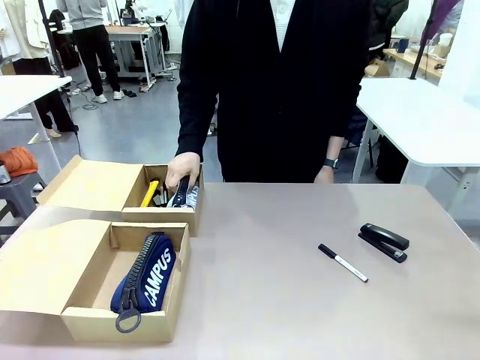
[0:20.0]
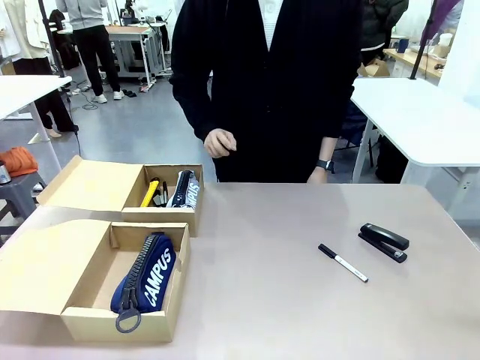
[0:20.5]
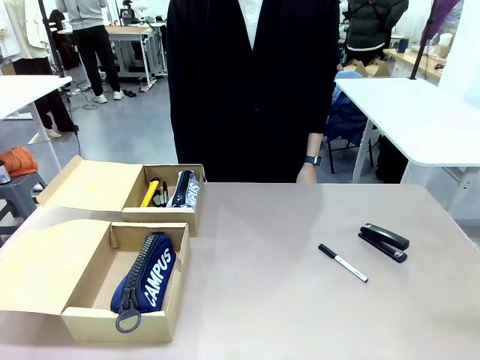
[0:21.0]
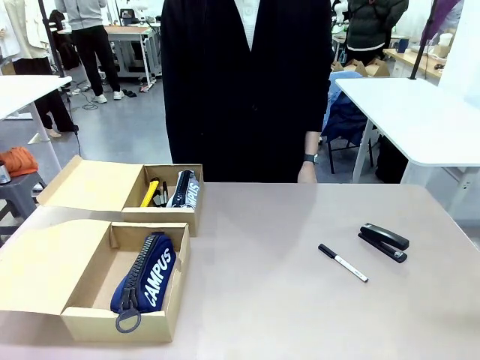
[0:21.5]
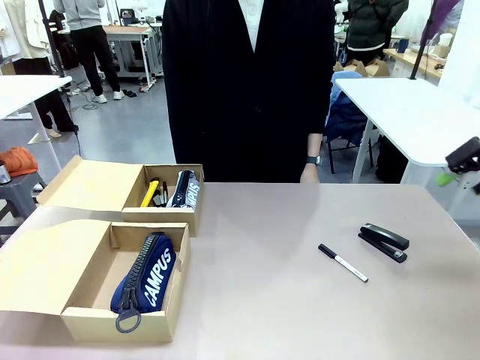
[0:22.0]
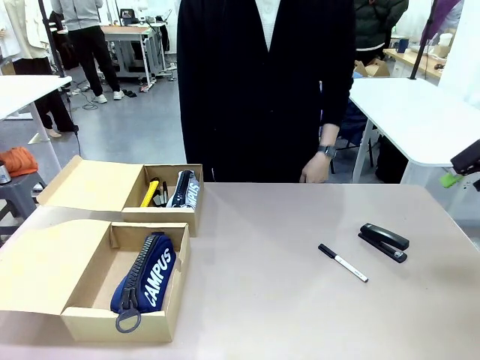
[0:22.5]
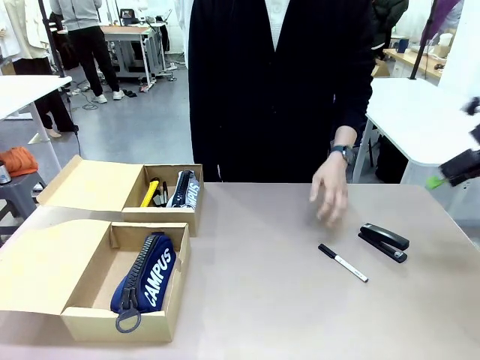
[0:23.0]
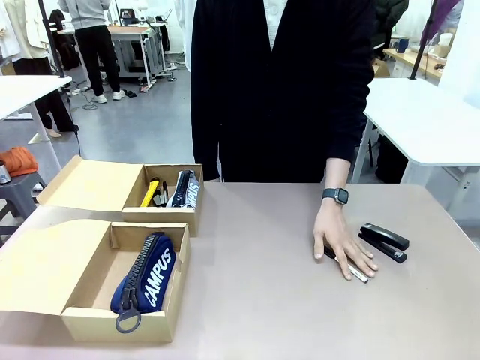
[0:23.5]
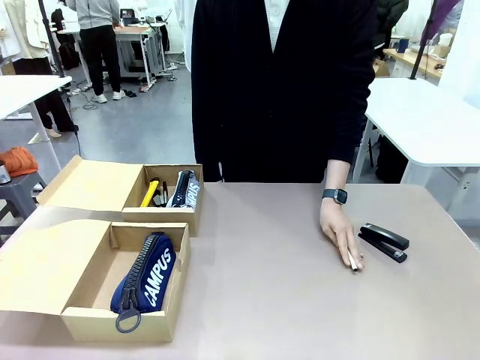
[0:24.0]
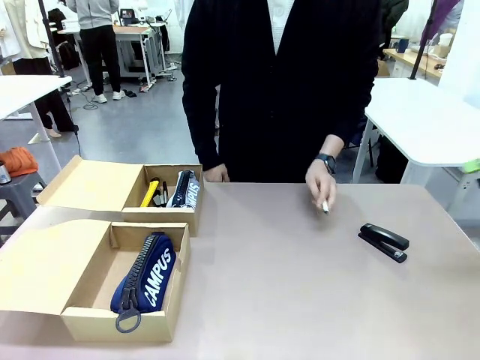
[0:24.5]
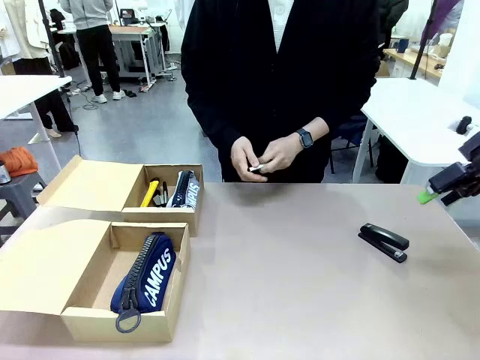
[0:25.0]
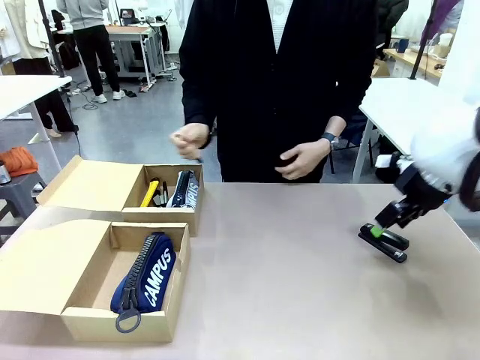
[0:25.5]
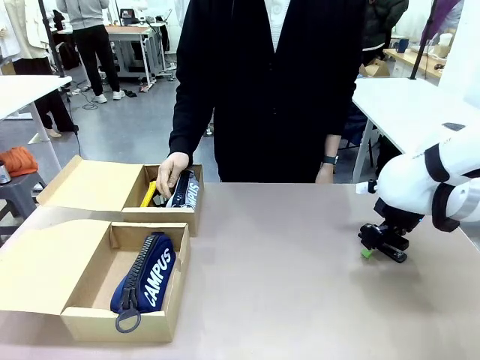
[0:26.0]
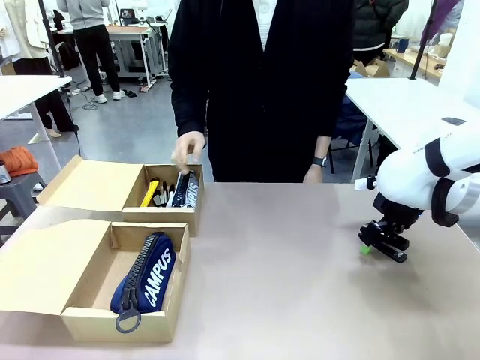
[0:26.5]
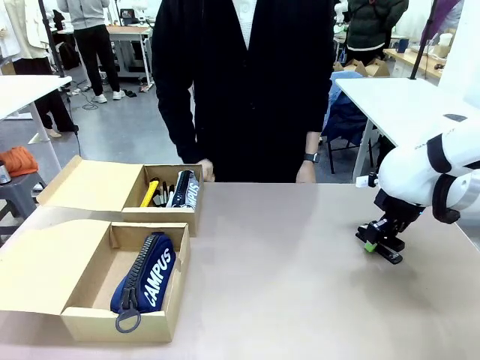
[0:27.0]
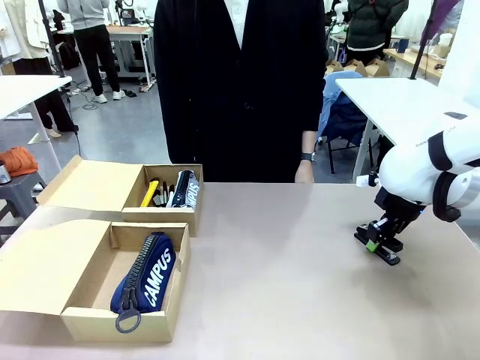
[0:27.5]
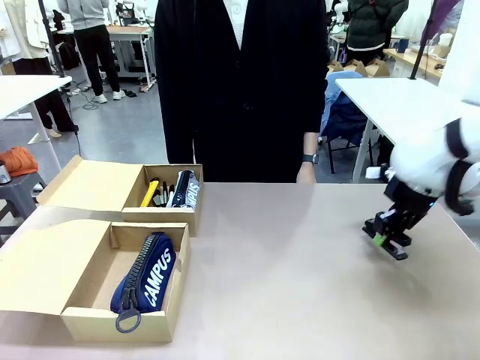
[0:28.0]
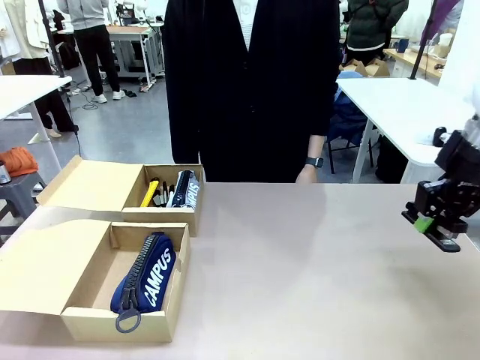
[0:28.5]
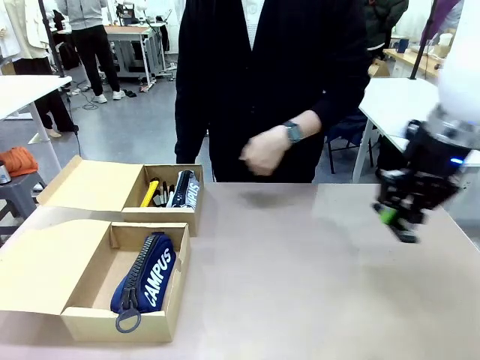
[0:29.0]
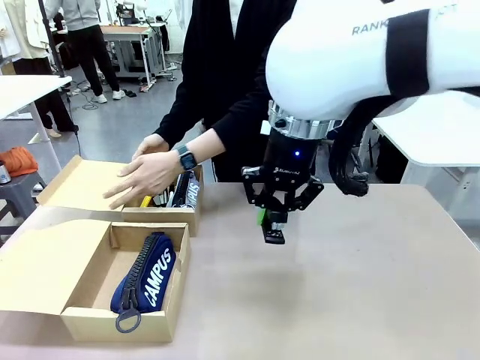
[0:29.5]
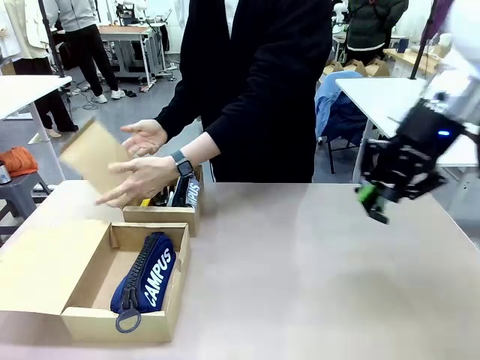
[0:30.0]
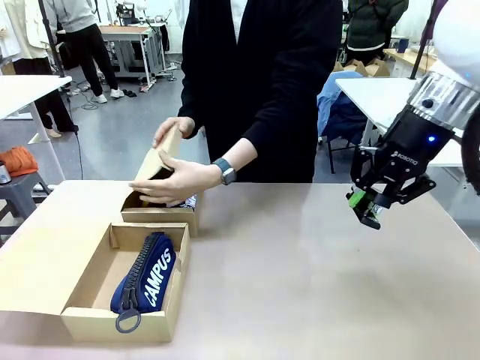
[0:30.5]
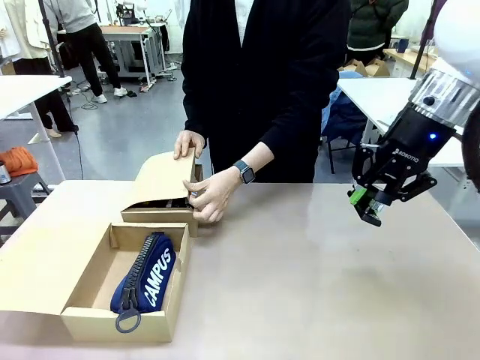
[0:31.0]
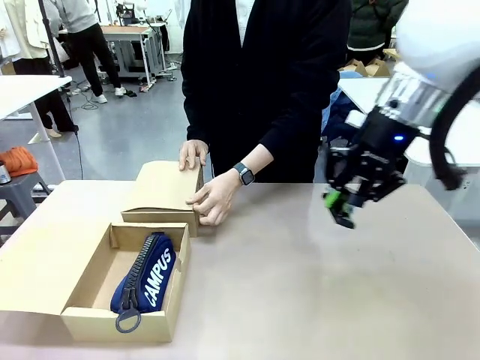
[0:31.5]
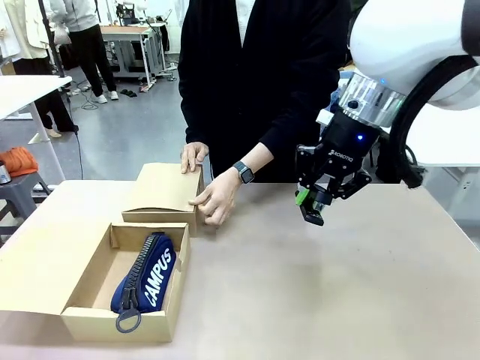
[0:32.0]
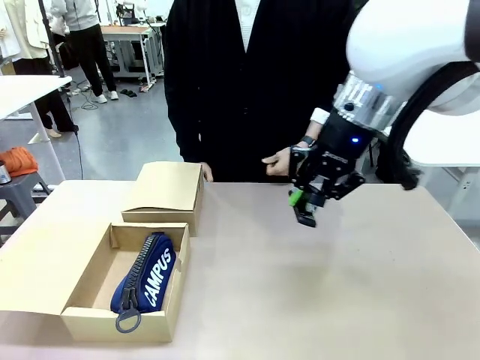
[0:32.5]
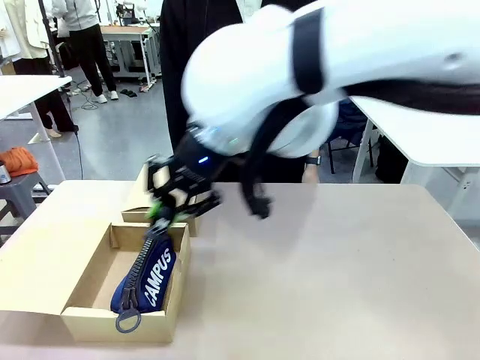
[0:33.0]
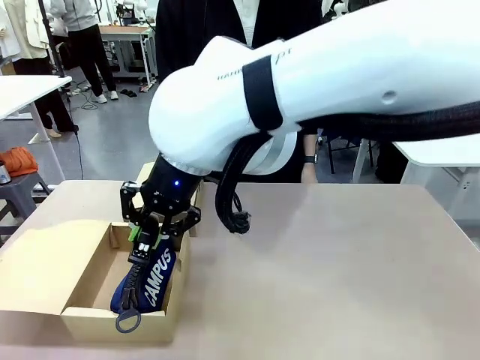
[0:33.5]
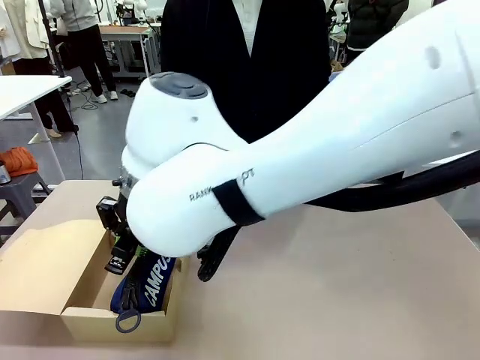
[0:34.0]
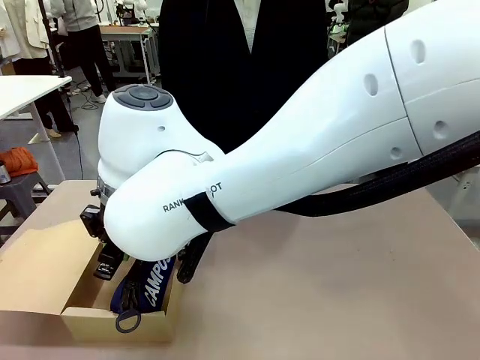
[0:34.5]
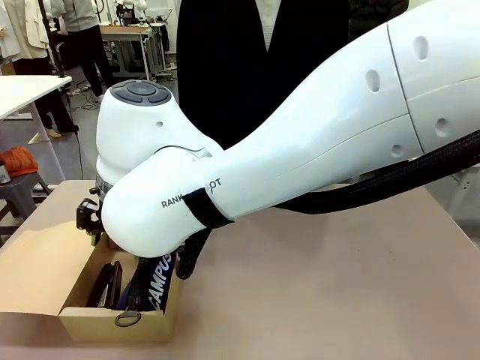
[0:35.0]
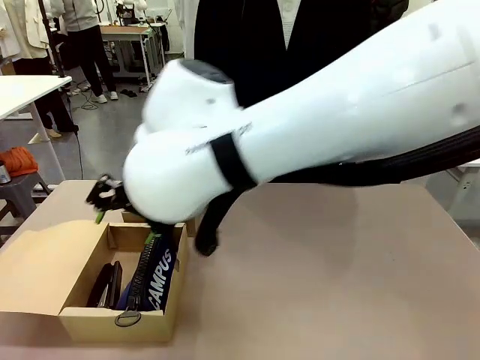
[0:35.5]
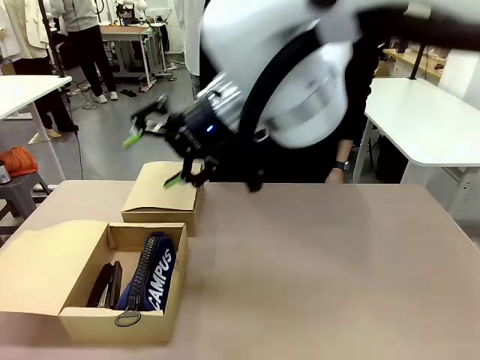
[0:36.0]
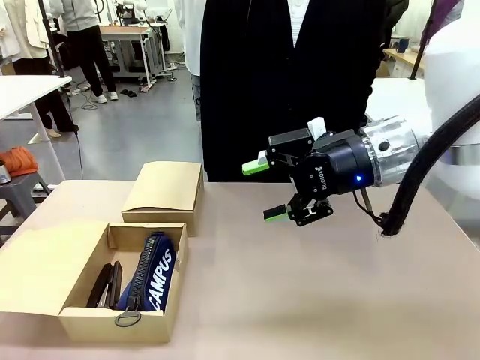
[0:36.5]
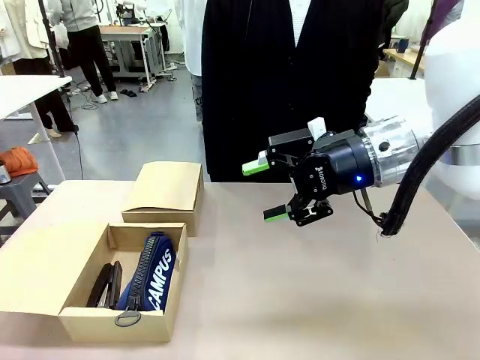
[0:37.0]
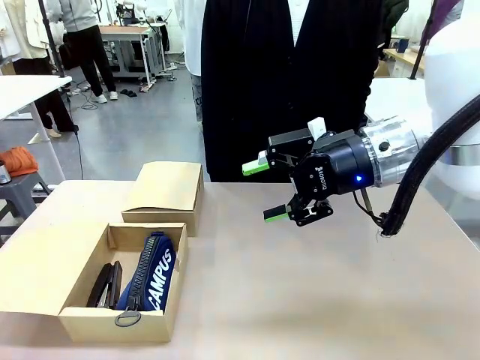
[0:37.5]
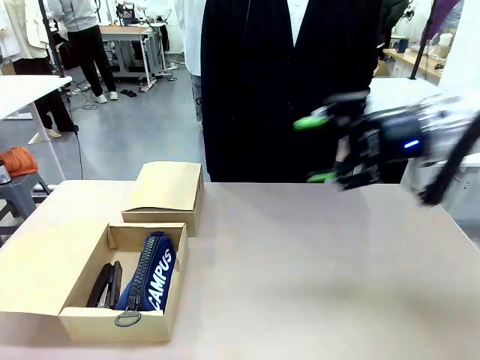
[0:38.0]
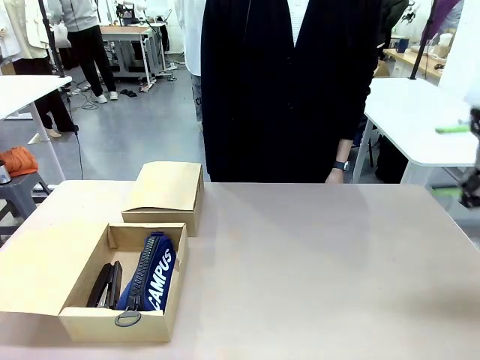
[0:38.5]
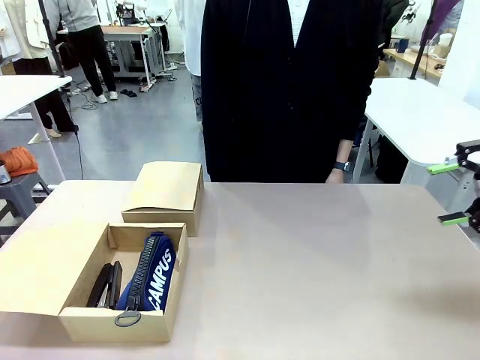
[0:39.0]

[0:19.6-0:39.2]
Task: Place items inside the box.
Robot: Pick up a Pencil pouch or Stapler and place it inside the Mailer Box closest to the robot.
Person: Close the lid of the box facing the person.

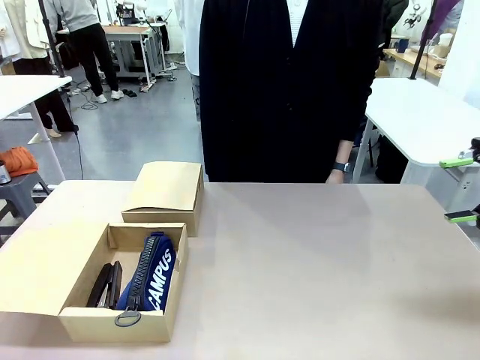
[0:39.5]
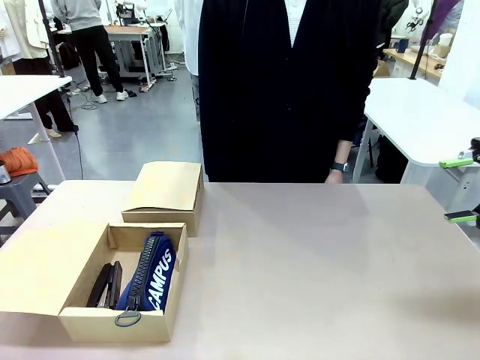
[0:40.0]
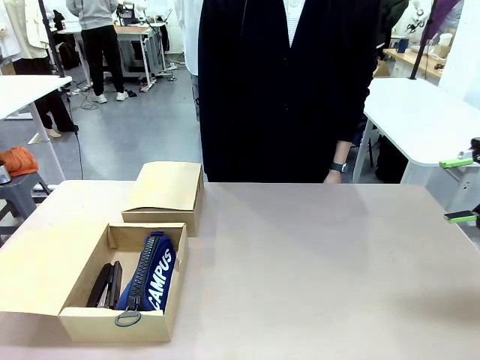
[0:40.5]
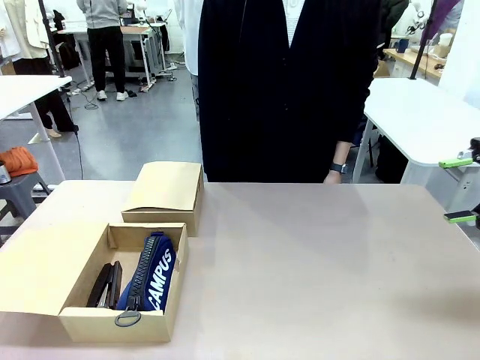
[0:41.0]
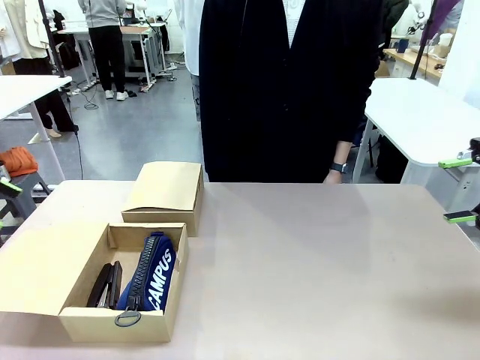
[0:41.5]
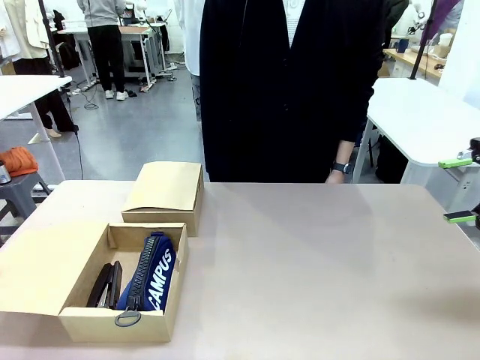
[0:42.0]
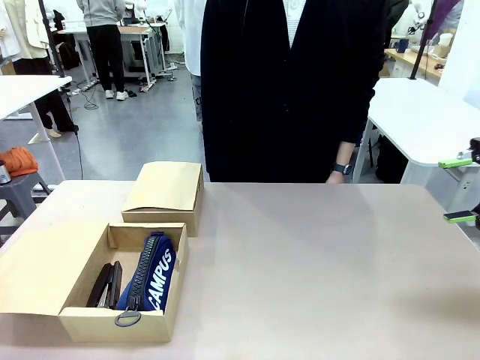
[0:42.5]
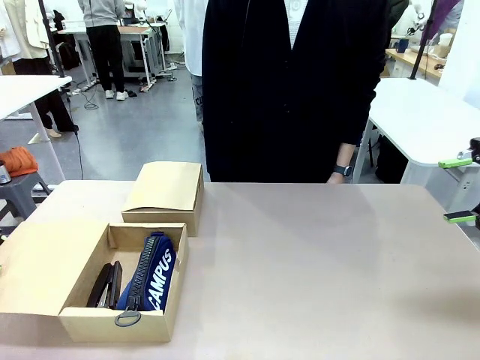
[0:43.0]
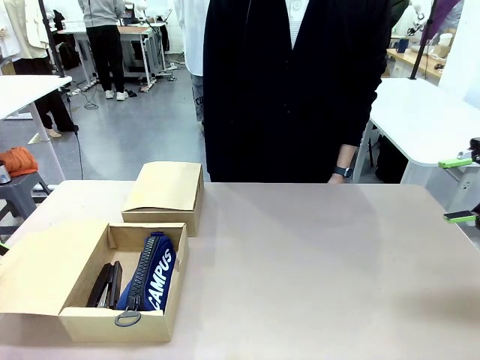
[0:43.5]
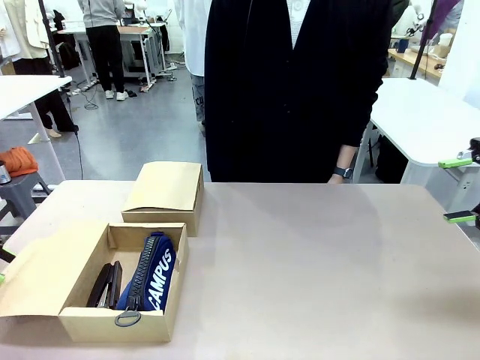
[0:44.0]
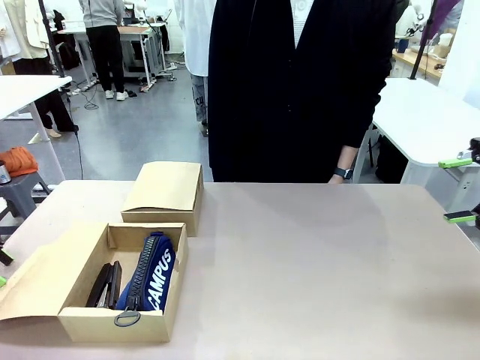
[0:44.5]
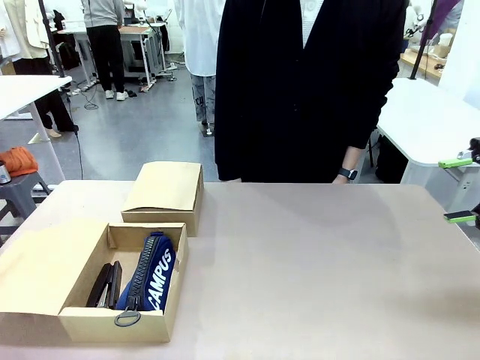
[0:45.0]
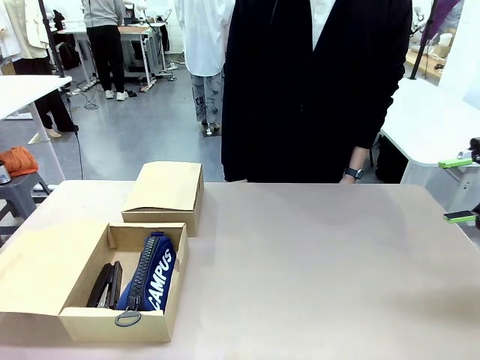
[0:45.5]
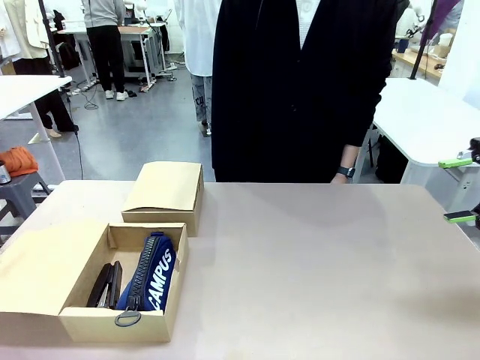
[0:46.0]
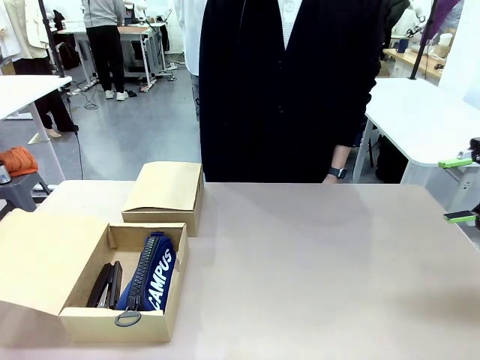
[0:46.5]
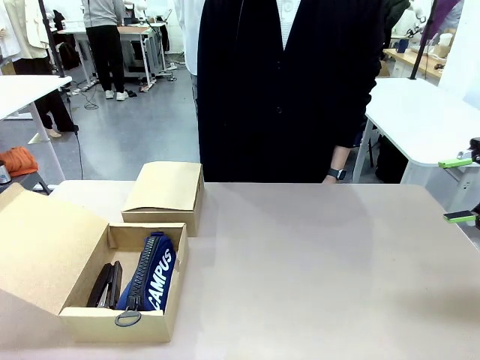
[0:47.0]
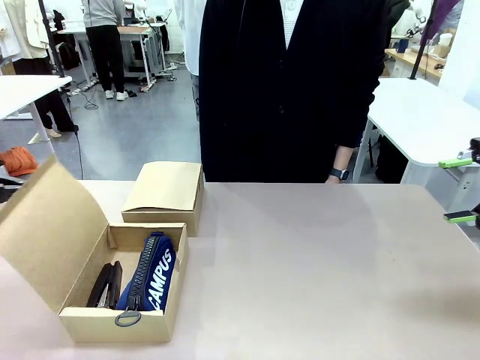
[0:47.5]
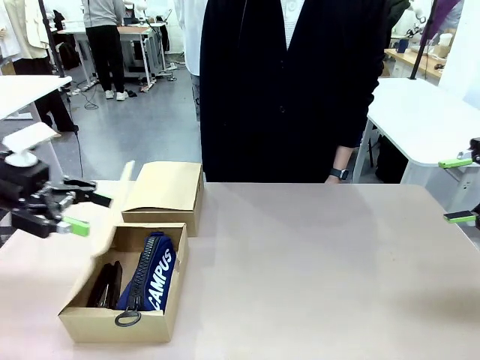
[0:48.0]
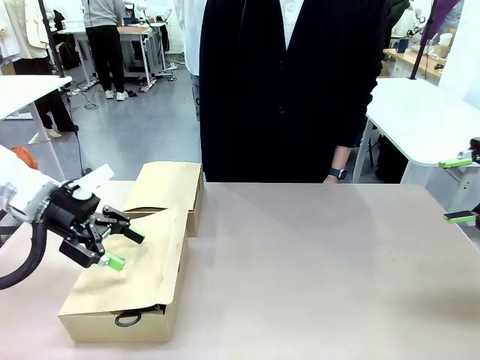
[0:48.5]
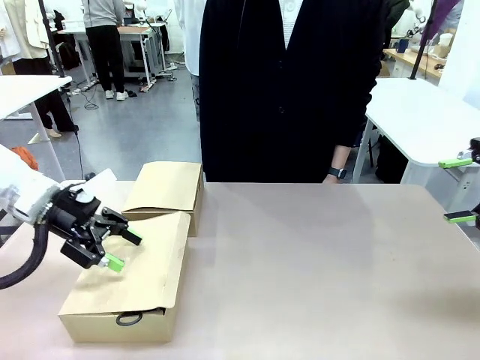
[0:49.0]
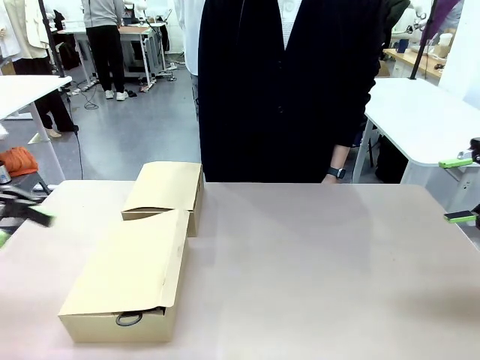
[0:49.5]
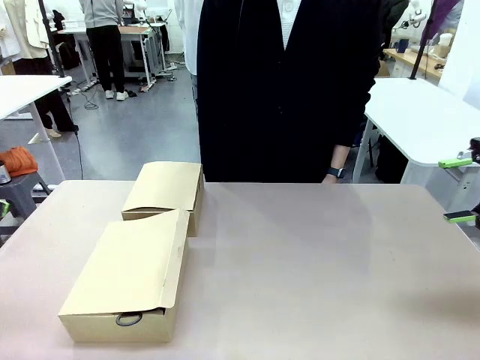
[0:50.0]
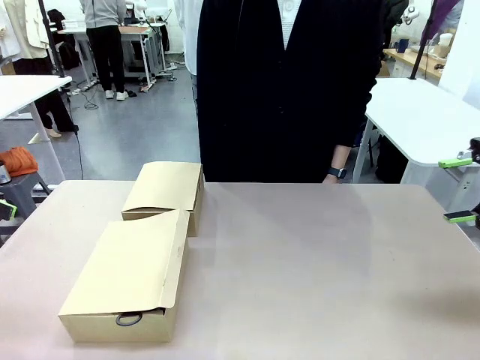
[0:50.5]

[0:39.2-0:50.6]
Robot: Close the lid of the Mailer Box closest to the robot.
